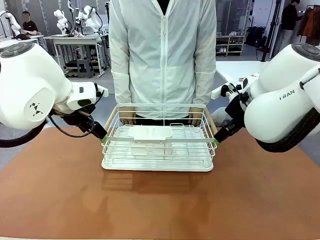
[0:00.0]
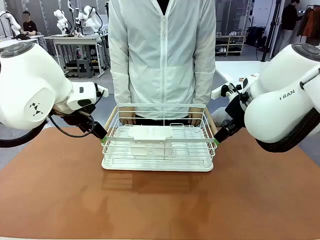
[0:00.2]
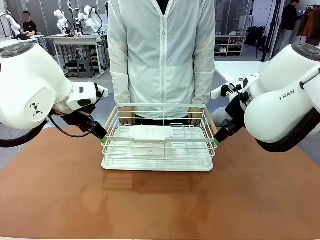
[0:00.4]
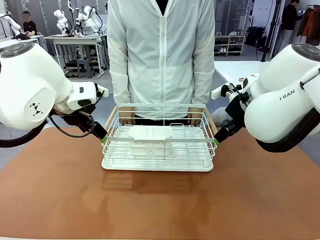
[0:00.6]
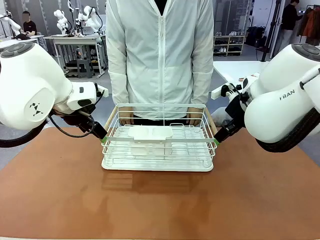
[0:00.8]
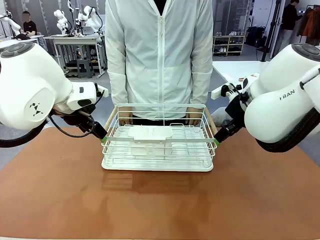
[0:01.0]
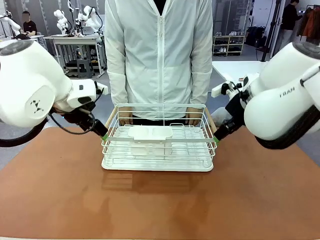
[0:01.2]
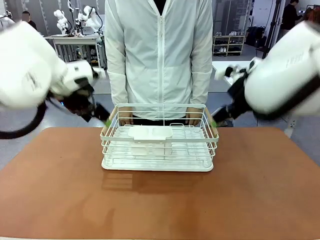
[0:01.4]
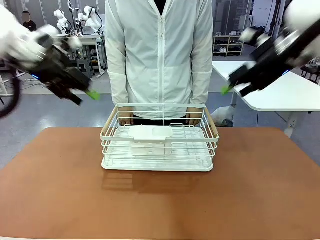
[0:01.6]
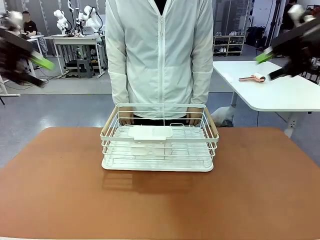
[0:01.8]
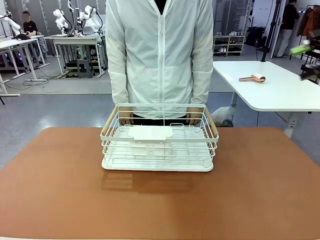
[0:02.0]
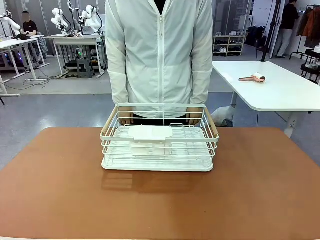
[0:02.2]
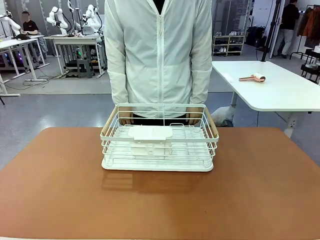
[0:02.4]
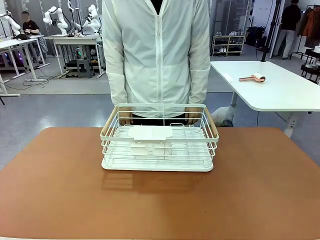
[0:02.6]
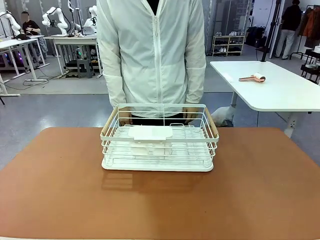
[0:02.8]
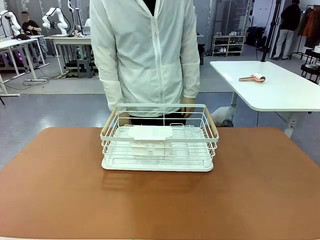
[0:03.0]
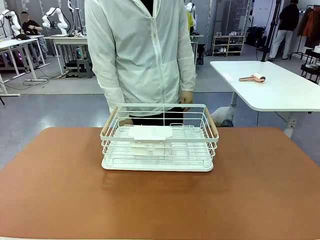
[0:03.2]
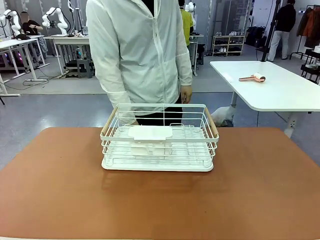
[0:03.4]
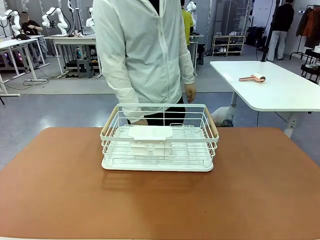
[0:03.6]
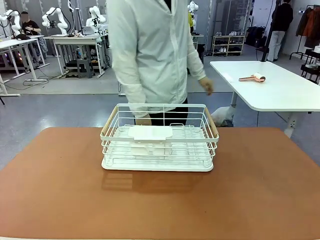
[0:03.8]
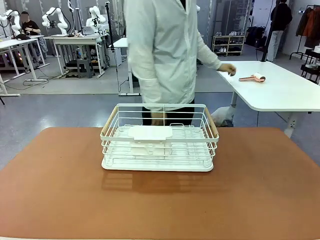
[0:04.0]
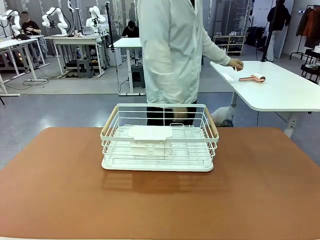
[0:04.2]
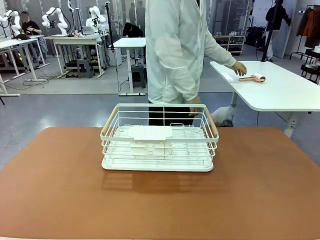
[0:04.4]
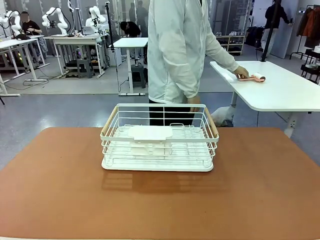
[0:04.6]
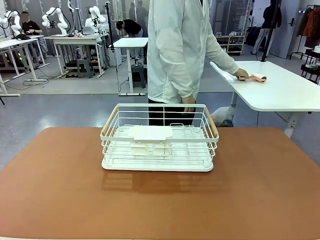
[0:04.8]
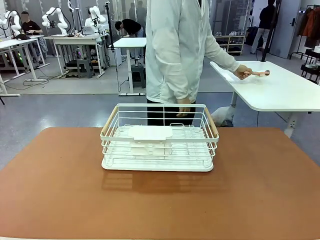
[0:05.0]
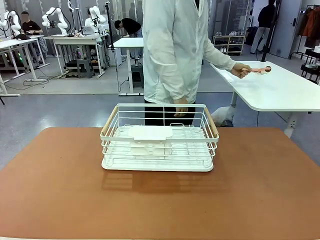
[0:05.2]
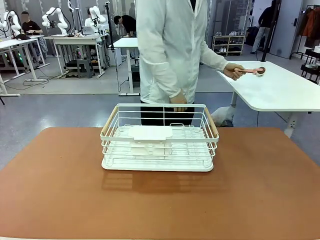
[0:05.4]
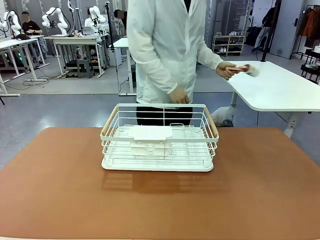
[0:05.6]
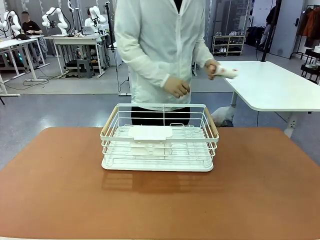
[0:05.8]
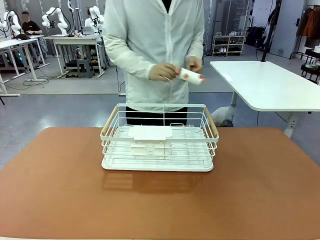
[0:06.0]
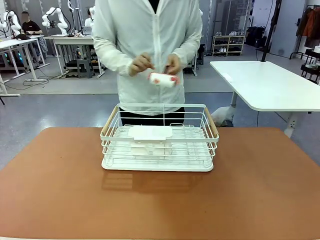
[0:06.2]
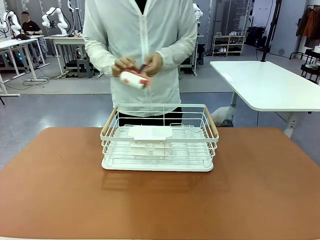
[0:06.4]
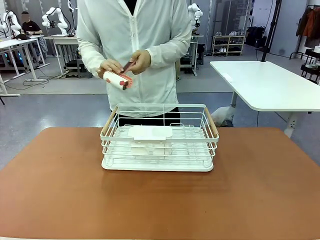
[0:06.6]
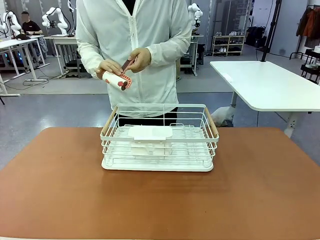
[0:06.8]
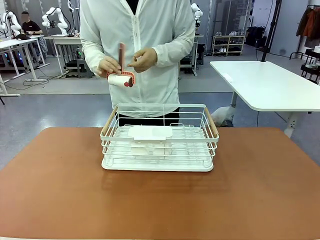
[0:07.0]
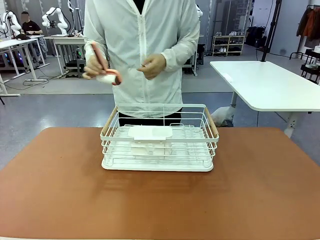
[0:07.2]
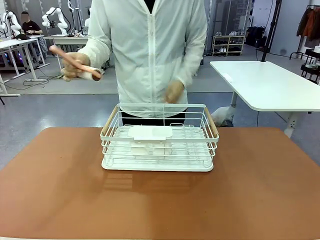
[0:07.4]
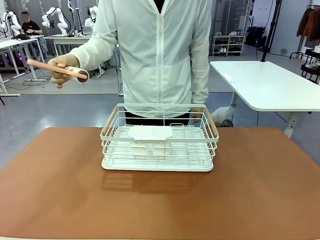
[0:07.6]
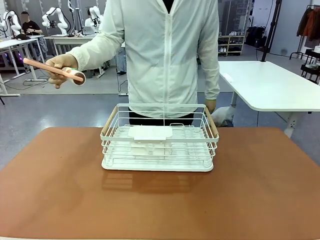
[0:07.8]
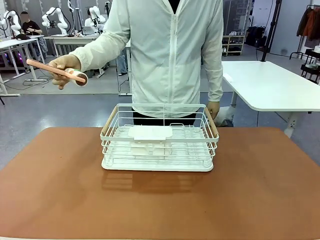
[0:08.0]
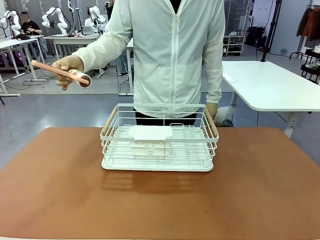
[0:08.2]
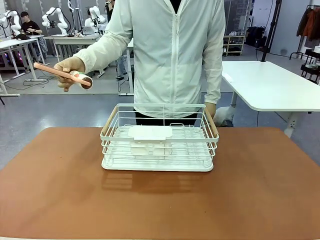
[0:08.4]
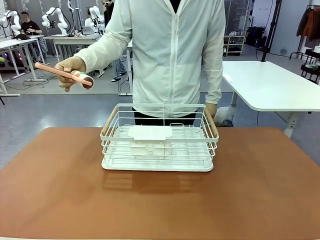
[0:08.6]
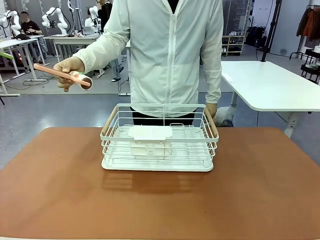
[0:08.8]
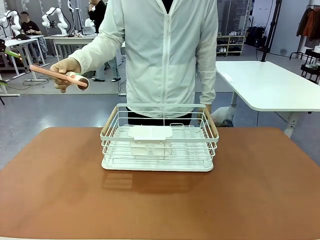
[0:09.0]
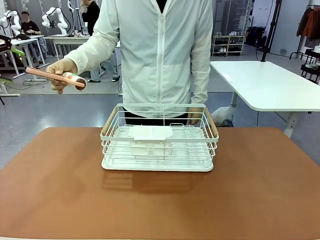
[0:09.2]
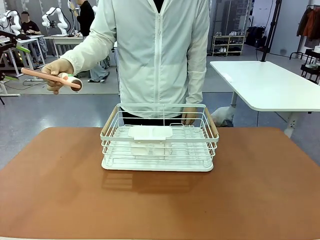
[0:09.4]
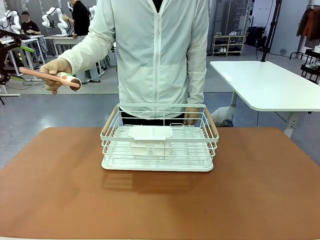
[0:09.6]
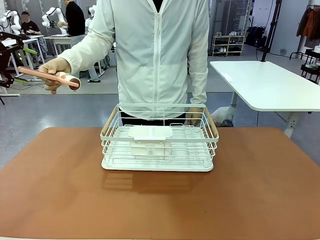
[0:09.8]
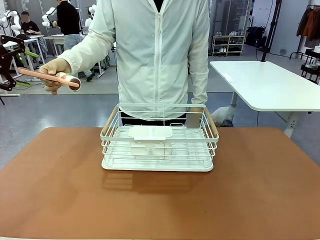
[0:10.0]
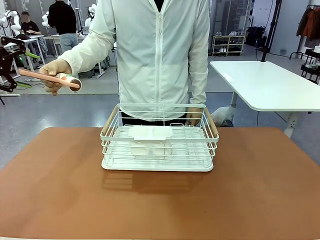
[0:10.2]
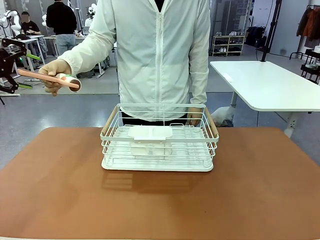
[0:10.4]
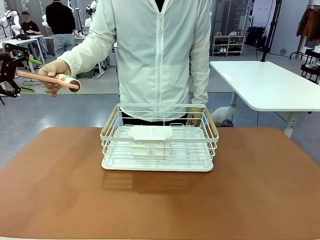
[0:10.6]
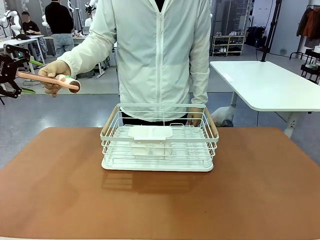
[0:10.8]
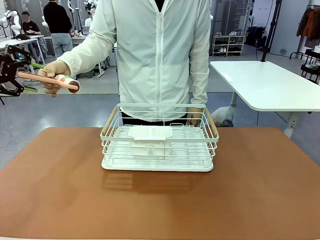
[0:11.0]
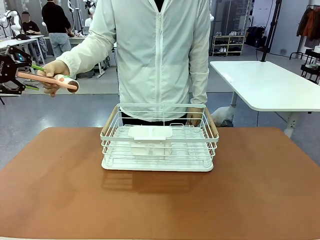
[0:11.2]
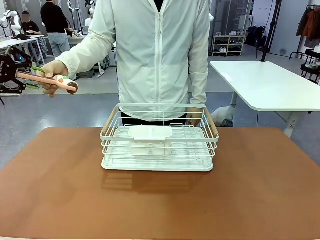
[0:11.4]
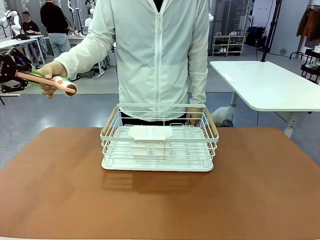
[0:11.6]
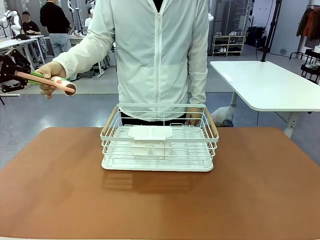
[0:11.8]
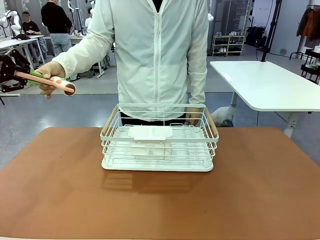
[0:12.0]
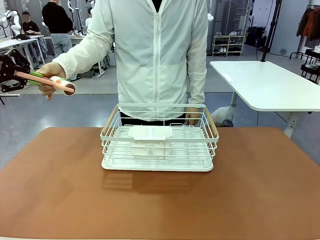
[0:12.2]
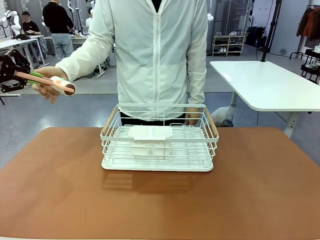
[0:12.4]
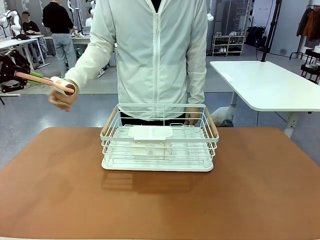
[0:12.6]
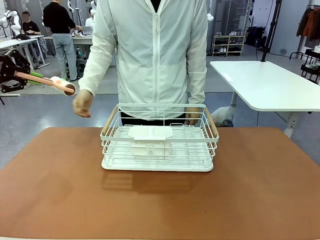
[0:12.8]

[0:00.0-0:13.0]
Task: Clean the table.
Robot: Pick up the Lint Roller when the human hands it over.
Person: Hand the Lint Roller to the robot so it can easily pick it up. Lift the Dish drying rack.

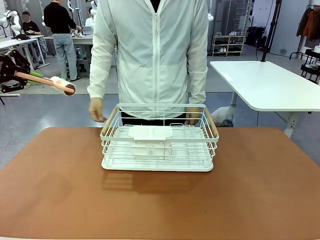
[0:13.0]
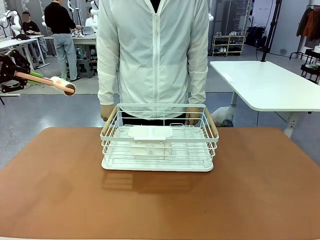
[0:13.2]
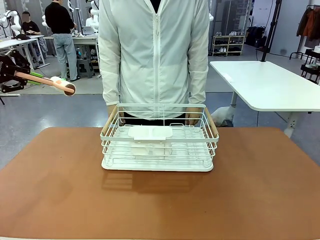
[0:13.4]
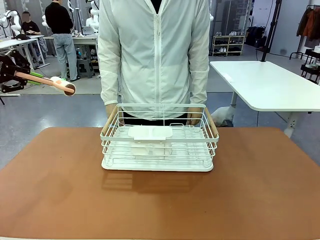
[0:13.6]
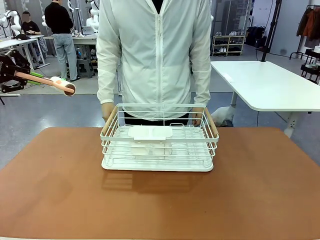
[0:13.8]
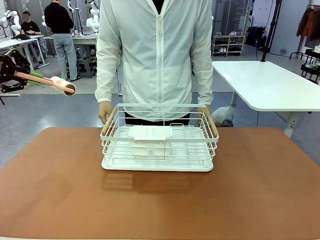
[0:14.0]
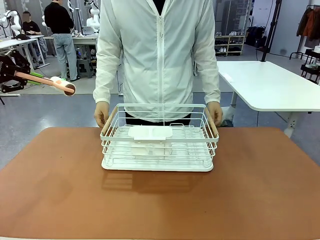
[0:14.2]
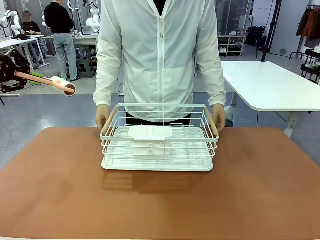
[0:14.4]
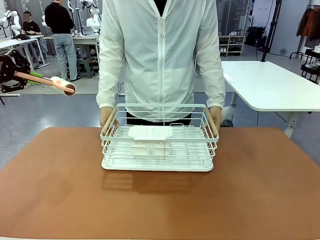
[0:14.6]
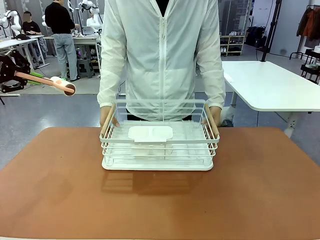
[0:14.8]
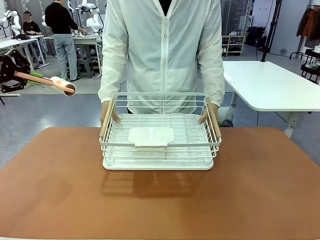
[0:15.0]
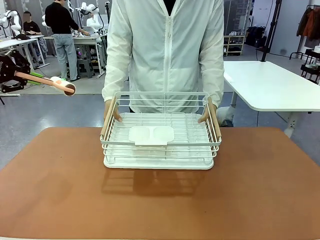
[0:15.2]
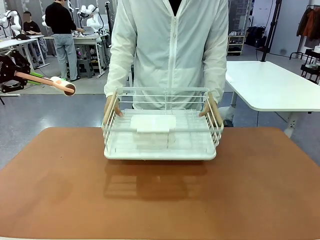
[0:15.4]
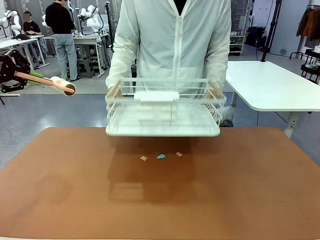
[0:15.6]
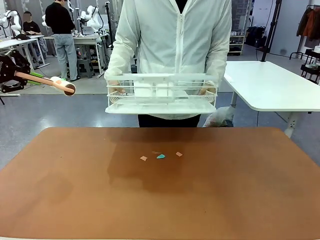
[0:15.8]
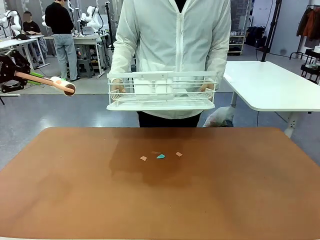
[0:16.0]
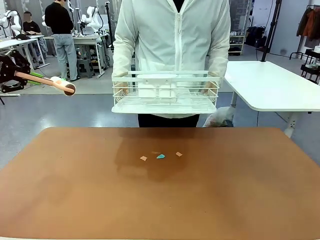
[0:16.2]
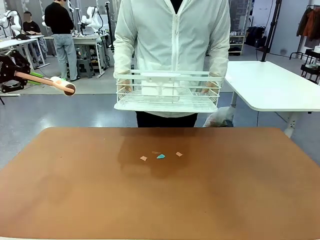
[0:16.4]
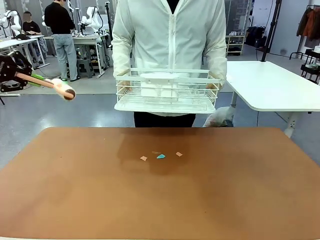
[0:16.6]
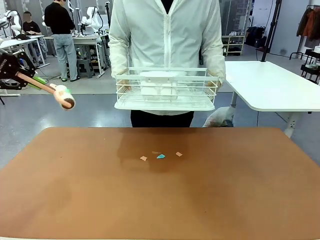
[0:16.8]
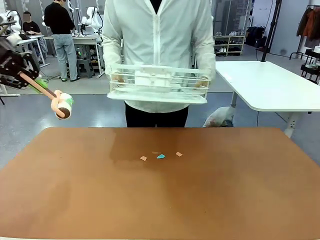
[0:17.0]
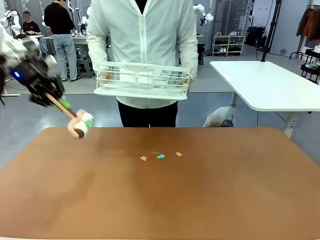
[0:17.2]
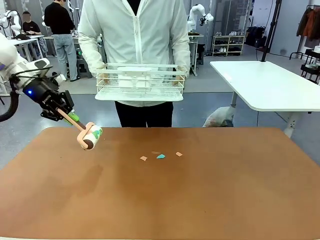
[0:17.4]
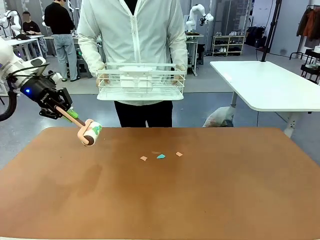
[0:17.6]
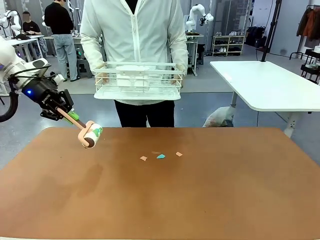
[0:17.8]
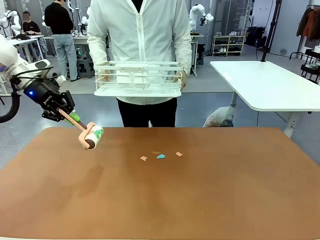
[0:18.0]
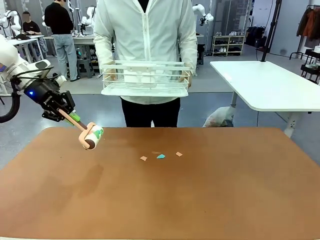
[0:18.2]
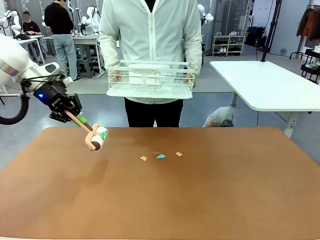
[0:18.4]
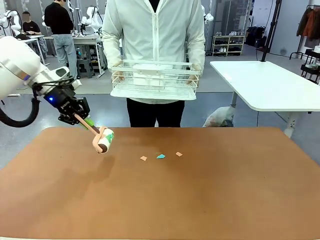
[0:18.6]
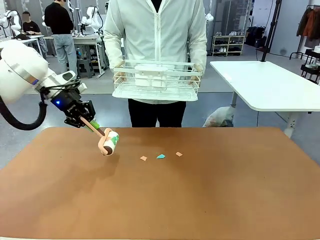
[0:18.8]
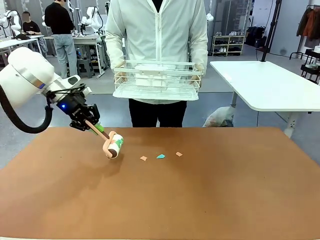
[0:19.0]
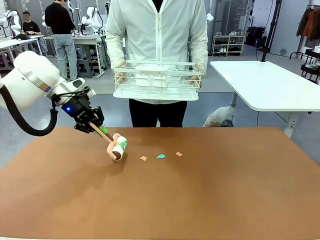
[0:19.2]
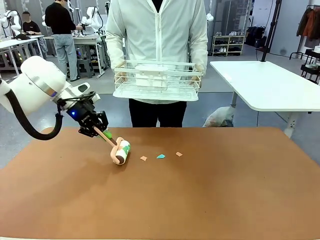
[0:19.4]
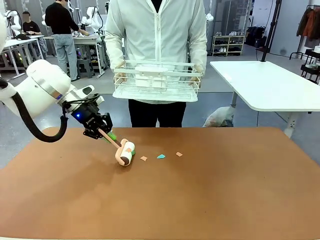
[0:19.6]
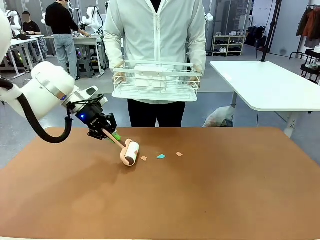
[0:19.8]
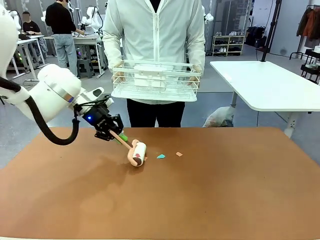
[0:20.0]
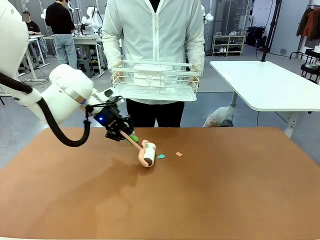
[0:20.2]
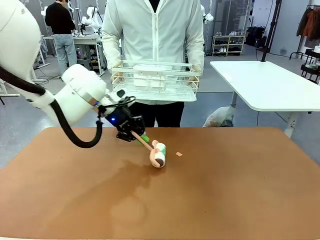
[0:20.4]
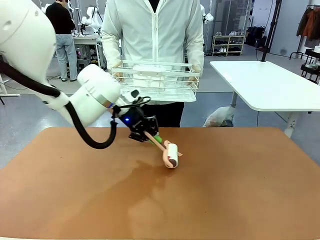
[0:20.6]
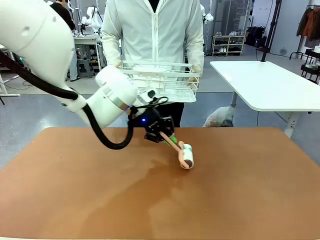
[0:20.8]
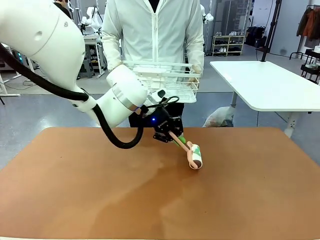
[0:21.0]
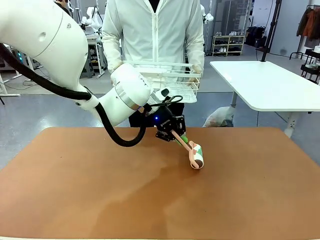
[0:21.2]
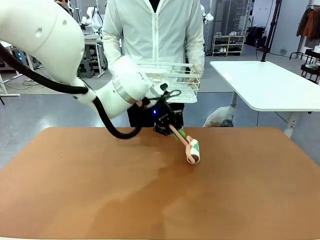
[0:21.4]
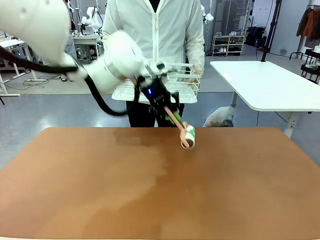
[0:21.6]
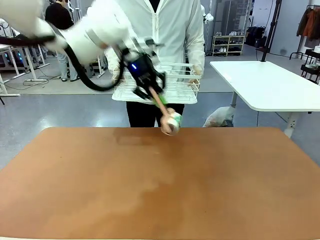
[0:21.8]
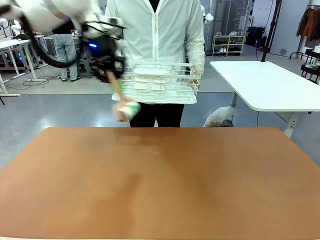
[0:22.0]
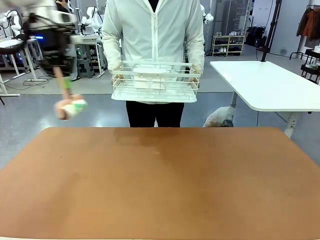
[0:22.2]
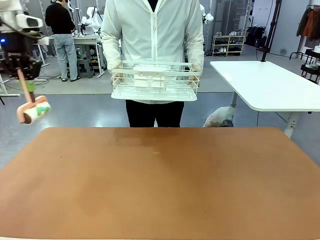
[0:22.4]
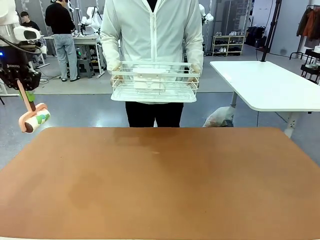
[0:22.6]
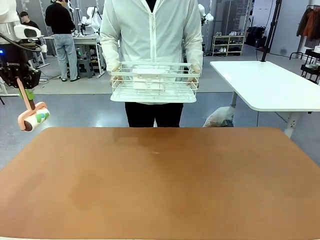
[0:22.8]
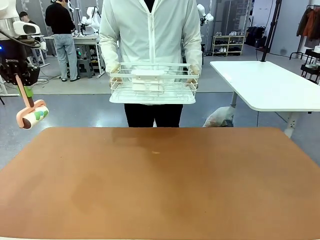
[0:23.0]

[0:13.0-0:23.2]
Robot: Clean the table with the Lint Roller when the human lifts the Dish drying rack.
